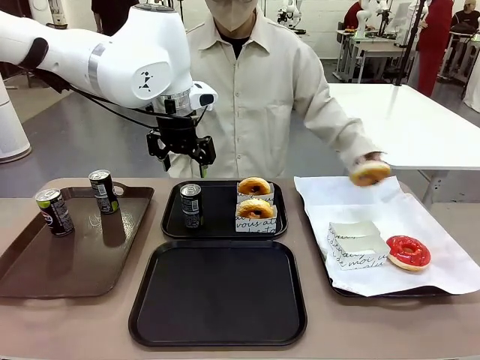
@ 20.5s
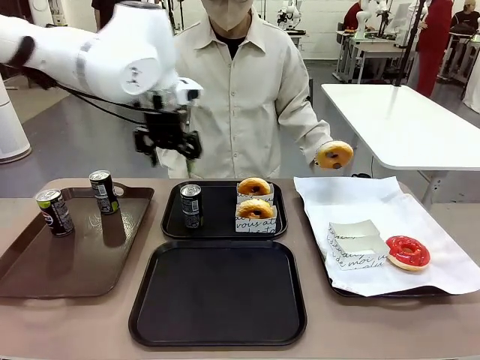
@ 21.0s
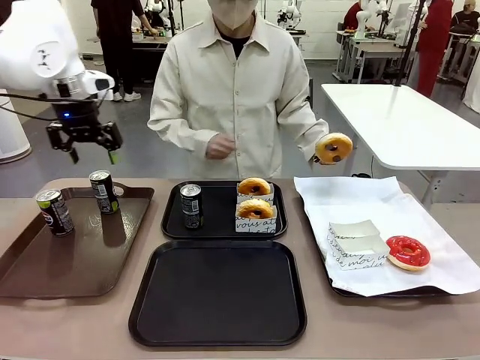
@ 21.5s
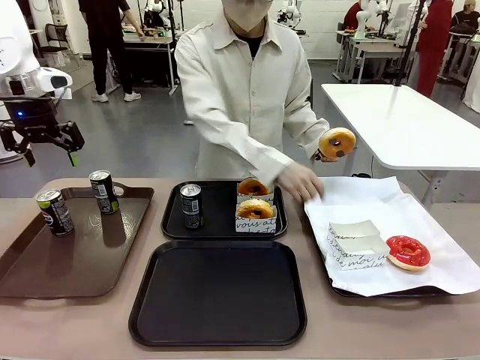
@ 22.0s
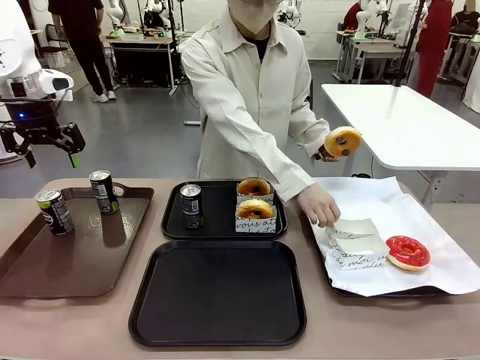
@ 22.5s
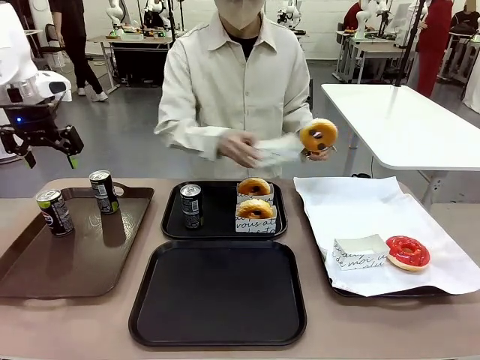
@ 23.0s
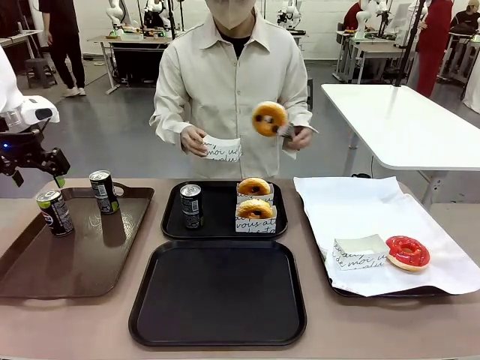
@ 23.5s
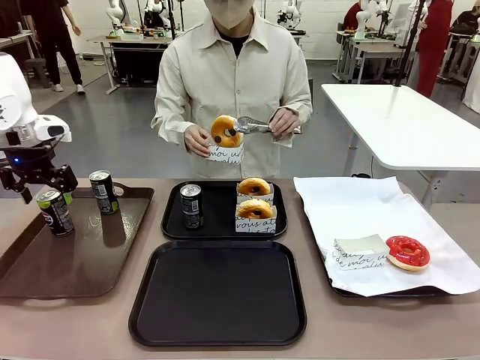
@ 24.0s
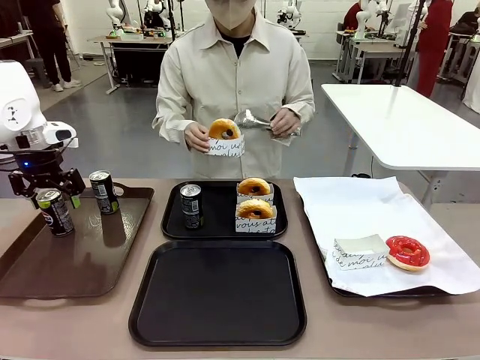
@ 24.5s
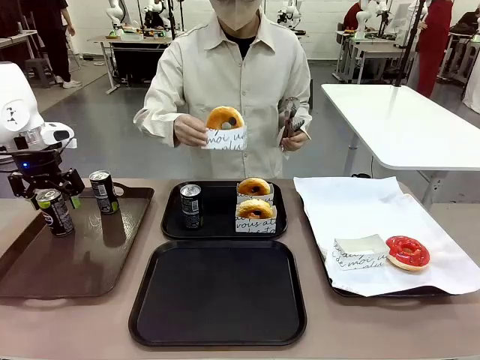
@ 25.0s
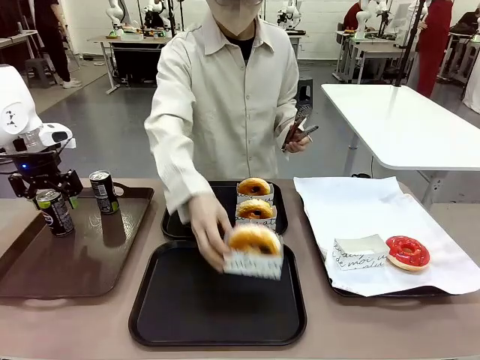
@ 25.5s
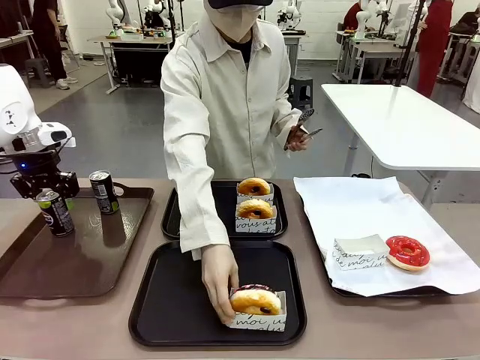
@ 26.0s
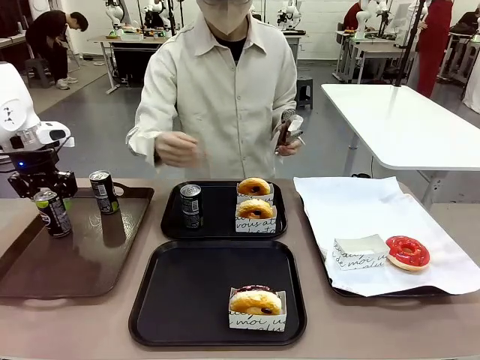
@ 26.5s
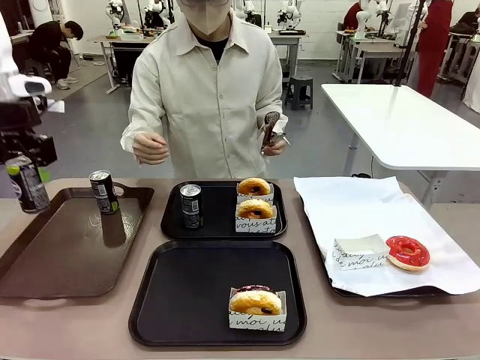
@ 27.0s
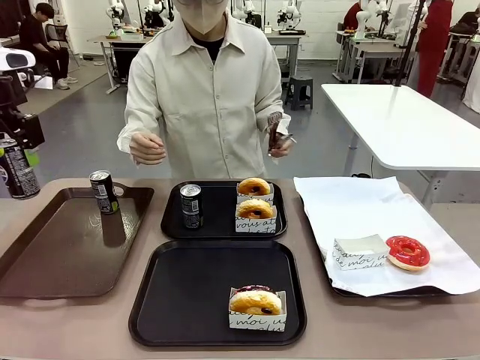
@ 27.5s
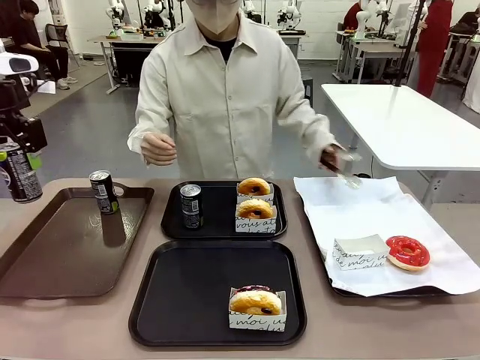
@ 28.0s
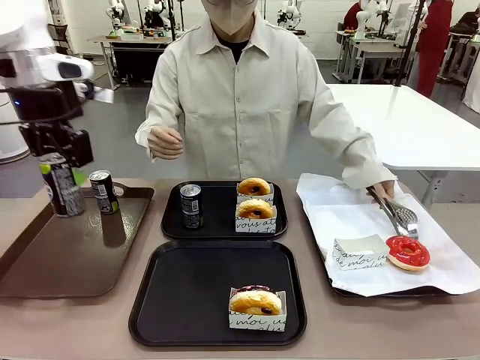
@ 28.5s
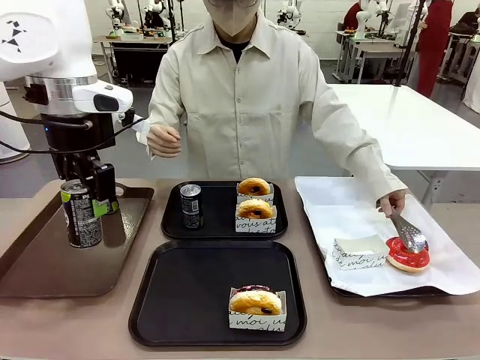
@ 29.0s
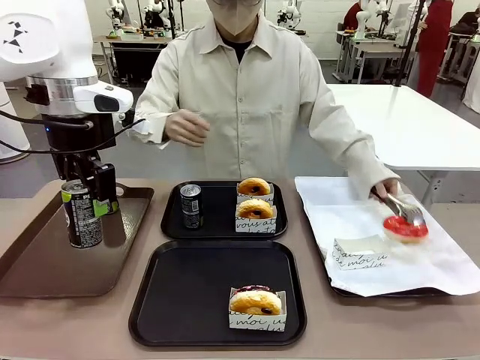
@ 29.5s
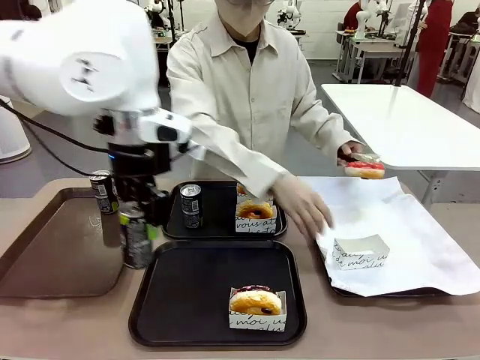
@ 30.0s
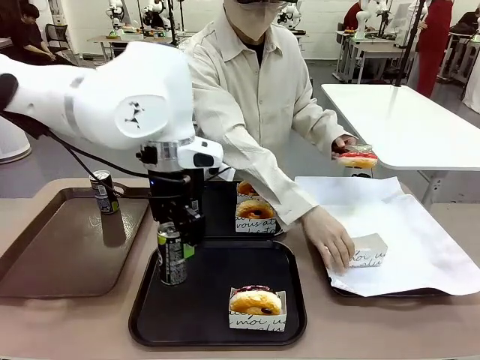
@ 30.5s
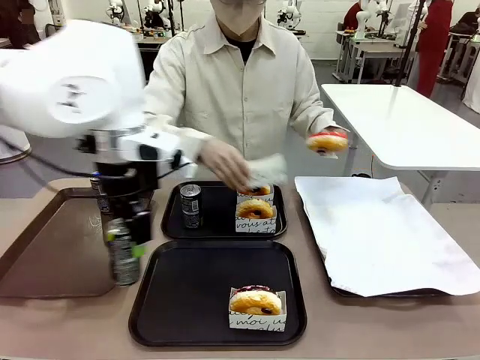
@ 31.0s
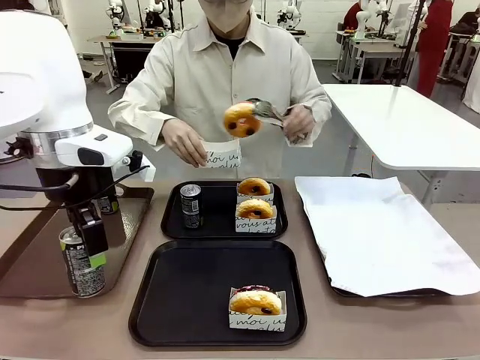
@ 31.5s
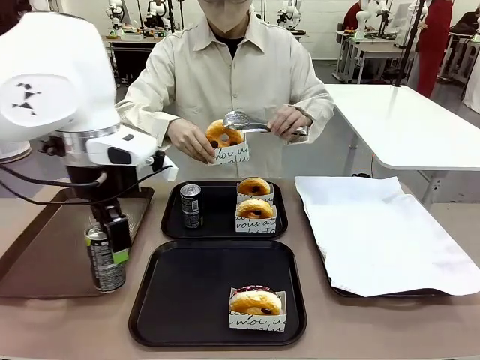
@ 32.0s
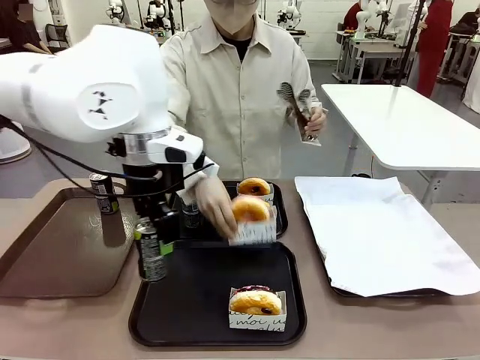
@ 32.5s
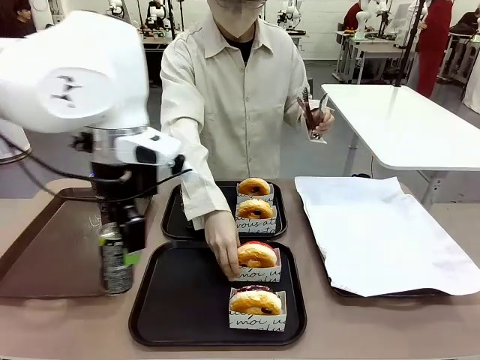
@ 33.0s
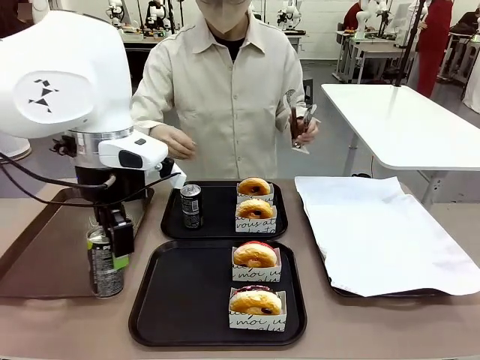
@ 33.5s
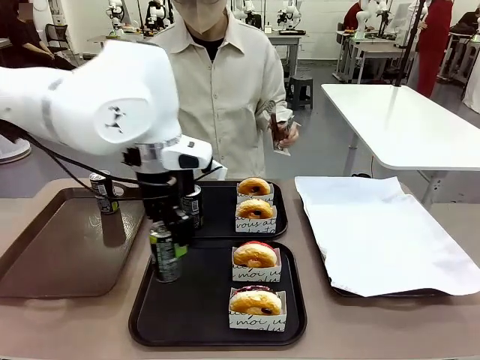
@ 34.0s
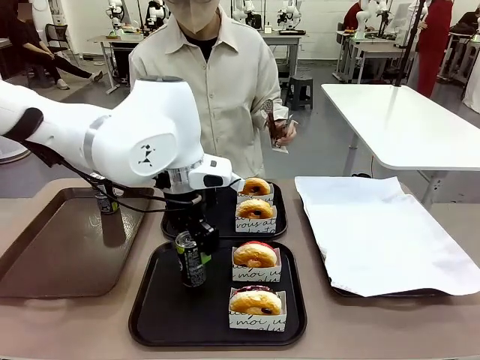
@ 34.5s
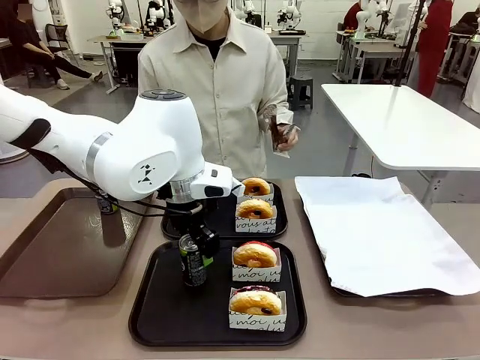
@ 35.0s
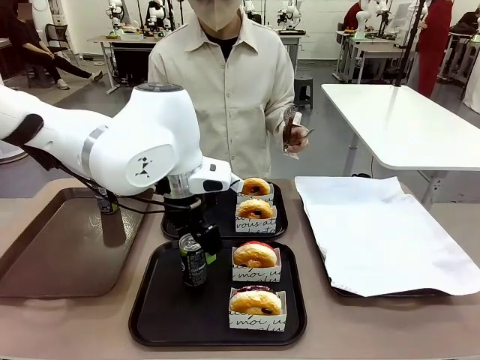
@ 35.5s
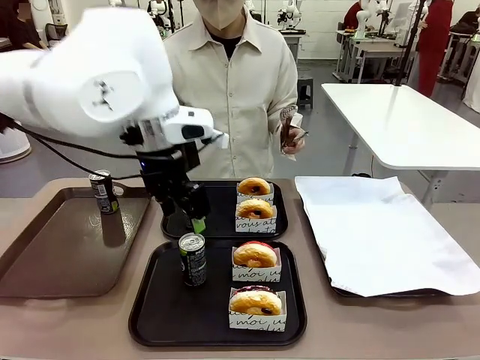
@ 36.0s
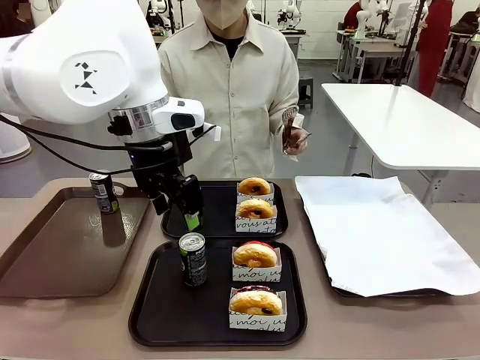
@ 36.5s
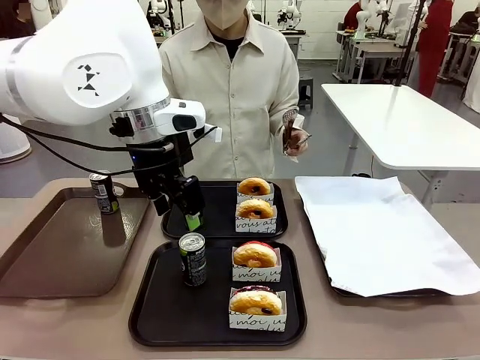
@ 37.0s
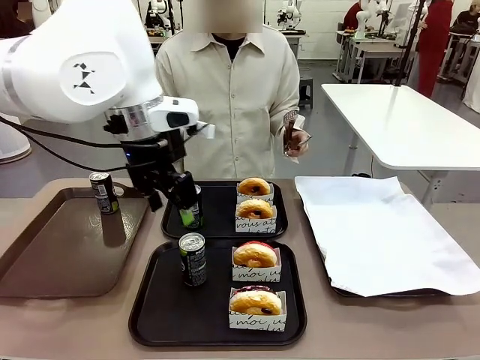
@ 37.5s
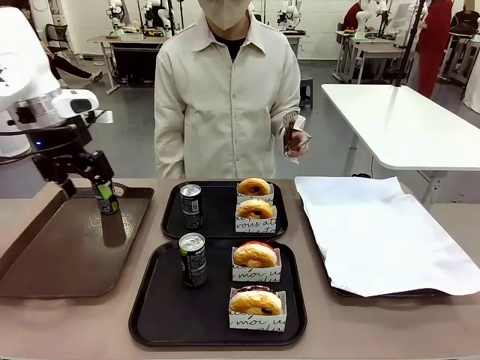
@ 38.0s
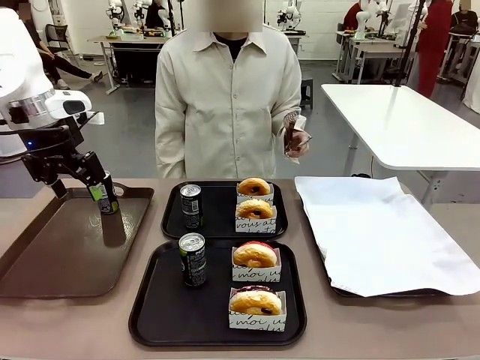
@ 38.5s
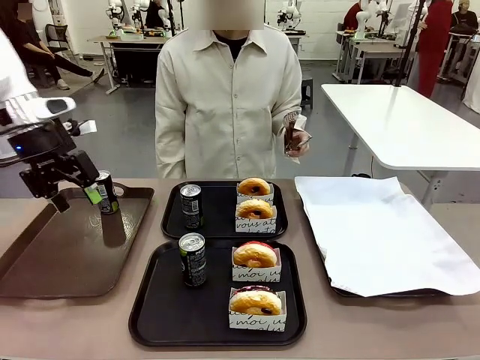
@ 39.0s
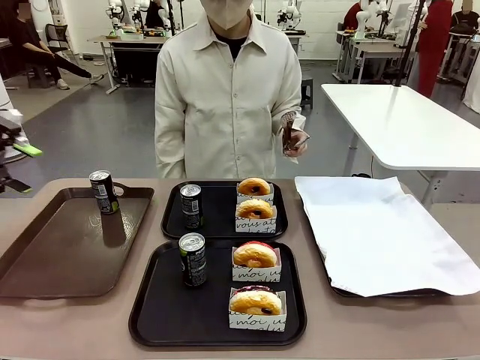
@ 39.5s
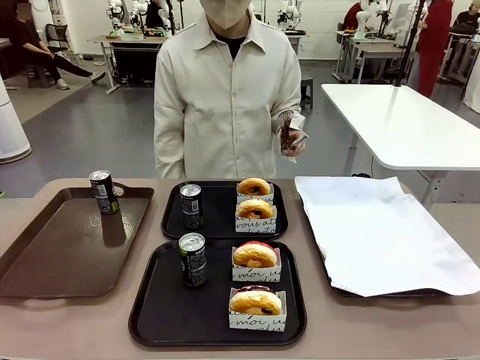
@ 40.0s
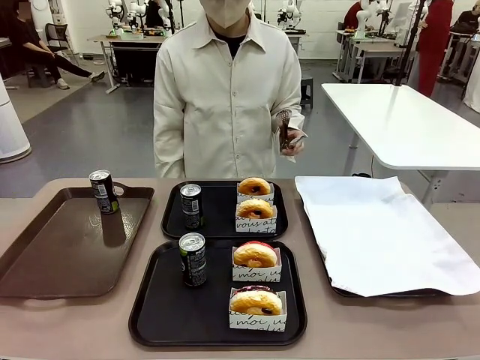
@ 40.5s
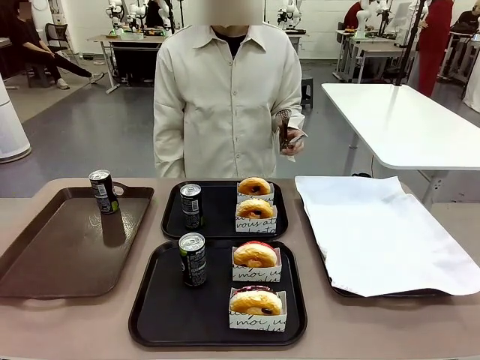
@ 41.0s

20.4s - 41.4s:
Task: Set up donuts and drinks on trays.
Robot: Pick up one Pepsi coke from the Handle tray and place it on the Flat Tray without a Pepsi coke.
Person: Pick up one donut with tongs, place it in the donut tray, and then place the donut tray on the flat tray.

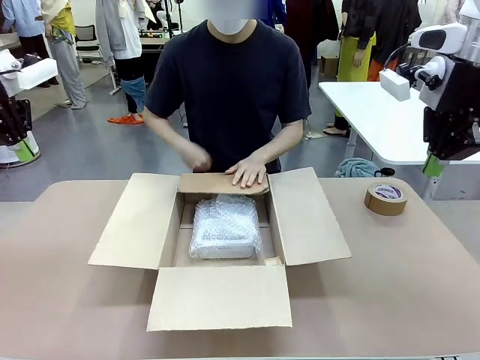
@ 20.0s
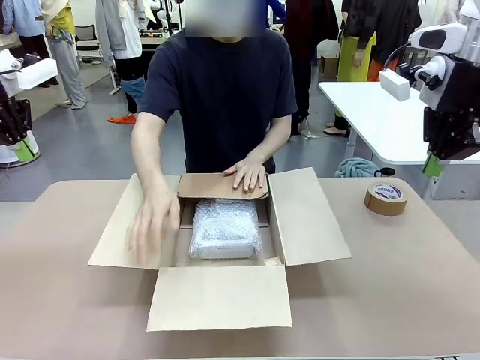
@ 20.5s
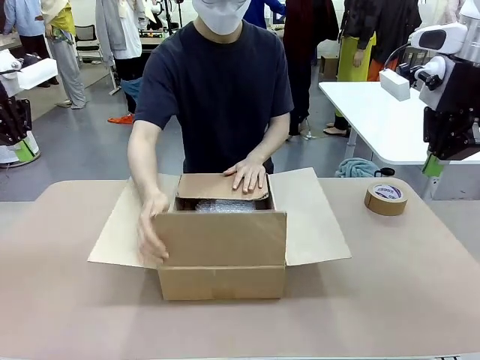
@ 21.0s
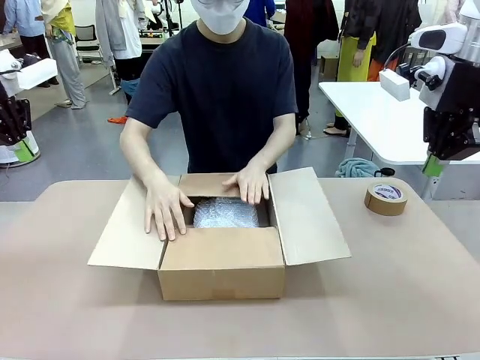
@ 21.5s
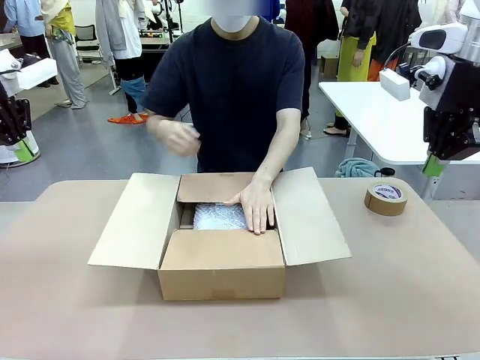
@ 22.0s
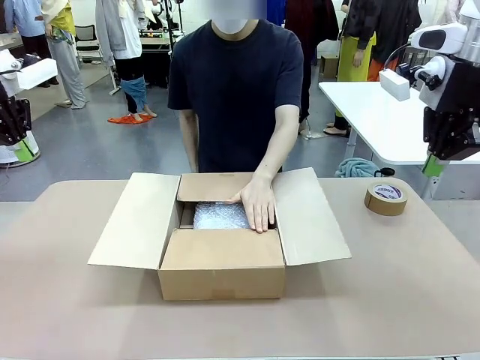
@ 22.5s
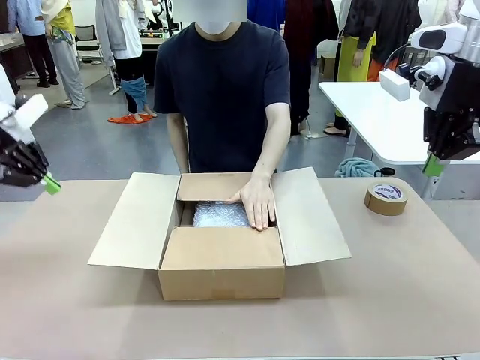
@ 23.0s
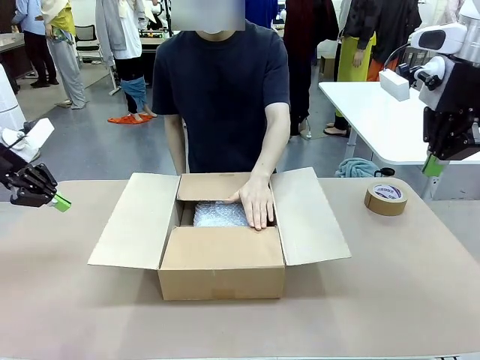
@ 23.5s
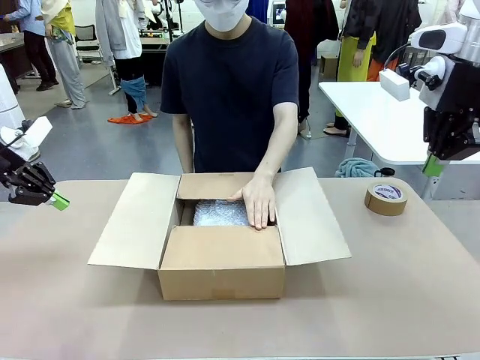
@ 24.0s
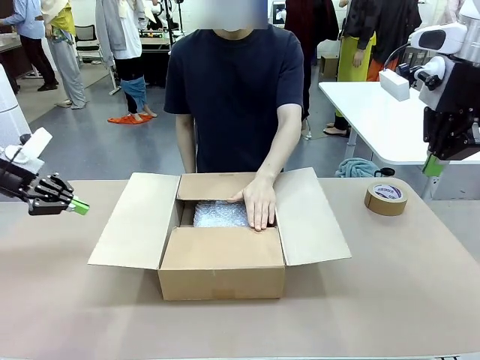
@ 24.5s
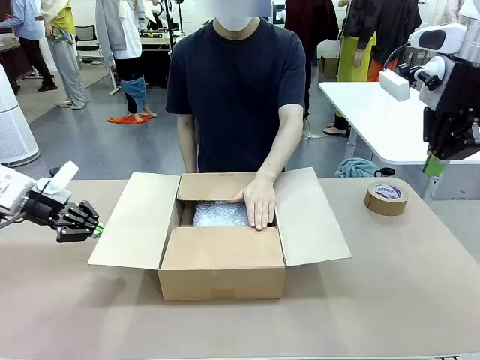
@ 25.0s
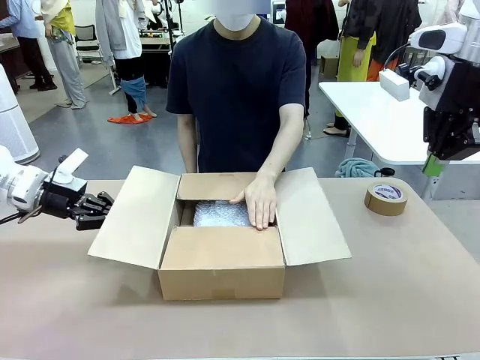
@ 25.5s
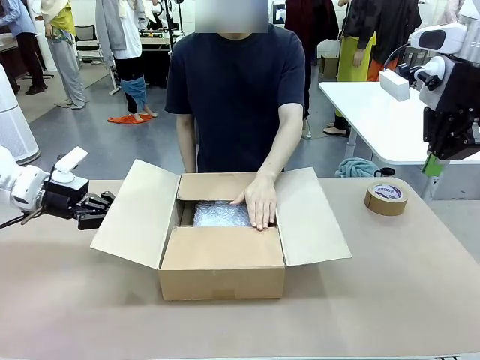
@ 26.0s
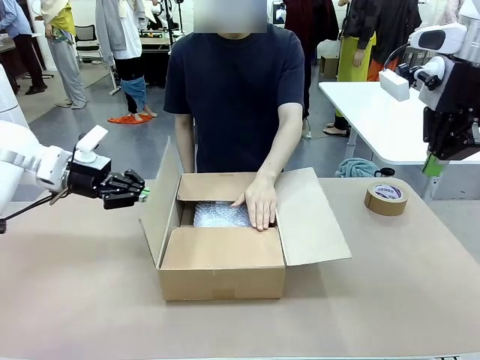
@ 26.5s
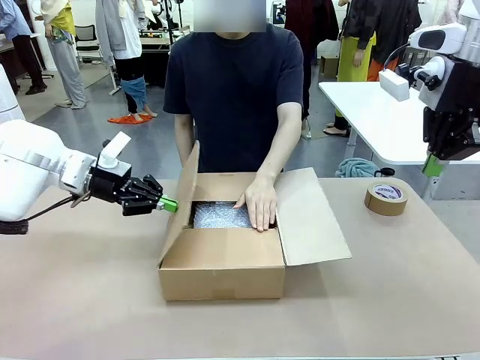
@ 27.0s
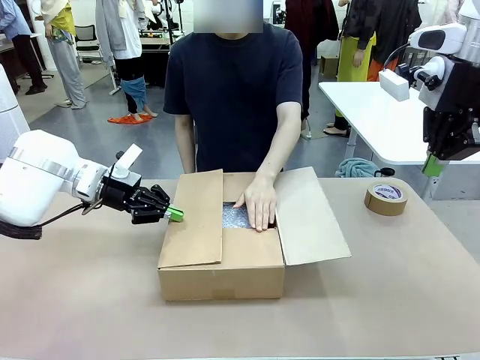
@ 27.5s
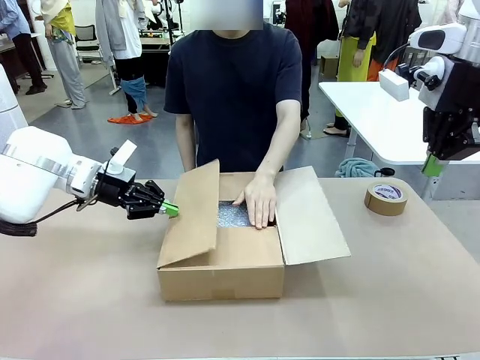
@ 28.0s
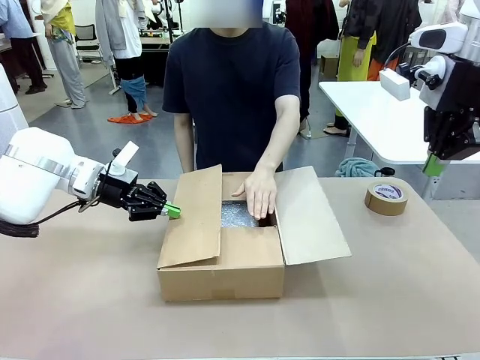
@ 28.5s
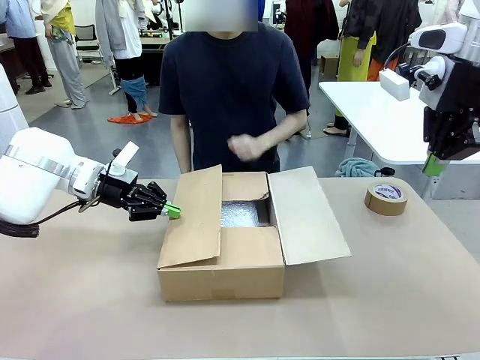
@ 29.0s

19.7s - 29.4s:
Task: Wrap the clocks to prevent damage.
Robot: Push the right (or left) flap of the Package Box to close it.
Person: Hold the top and bottom flaps of the Package Box closed with your left (or right) hand. Once the robot closes the right flap of the Package Box , release your left hand from the box.
